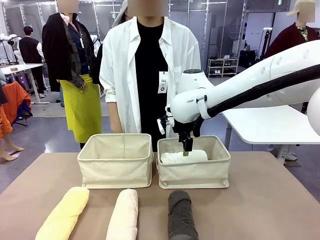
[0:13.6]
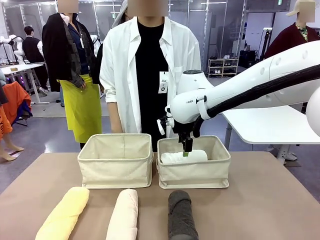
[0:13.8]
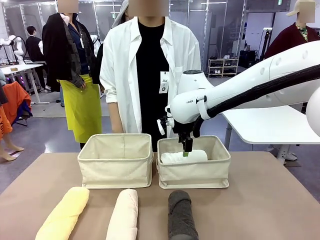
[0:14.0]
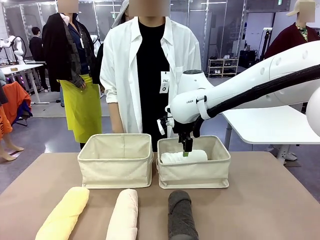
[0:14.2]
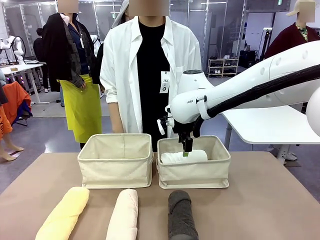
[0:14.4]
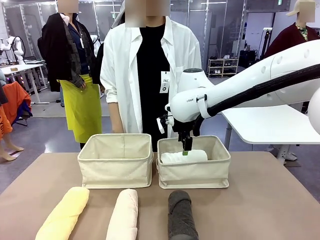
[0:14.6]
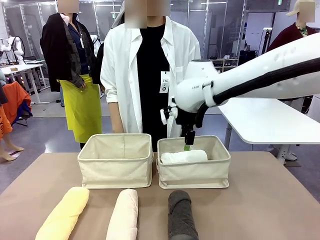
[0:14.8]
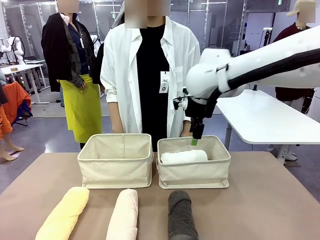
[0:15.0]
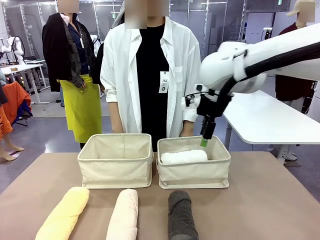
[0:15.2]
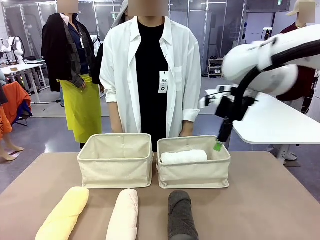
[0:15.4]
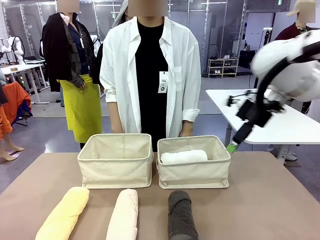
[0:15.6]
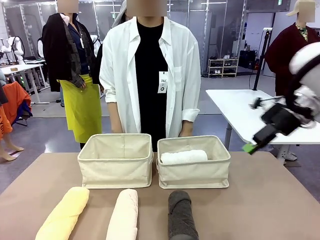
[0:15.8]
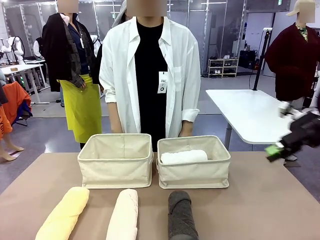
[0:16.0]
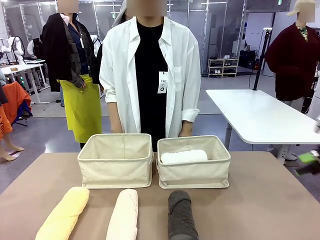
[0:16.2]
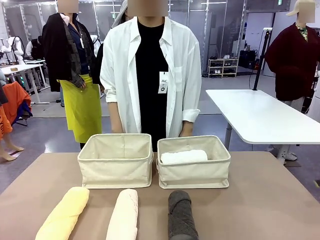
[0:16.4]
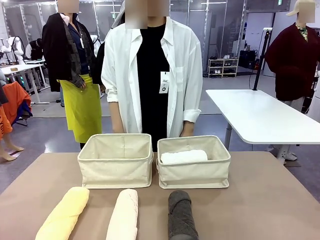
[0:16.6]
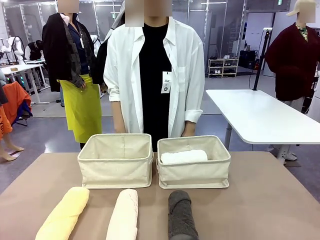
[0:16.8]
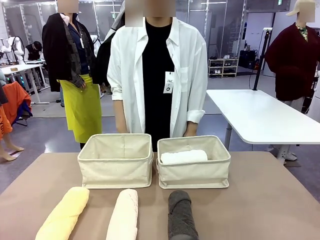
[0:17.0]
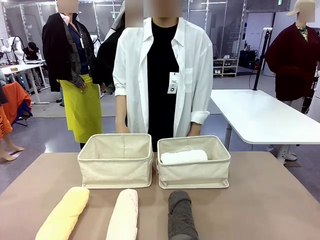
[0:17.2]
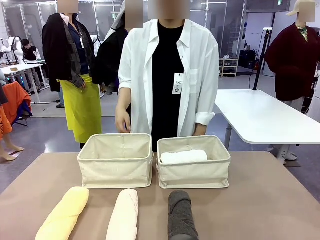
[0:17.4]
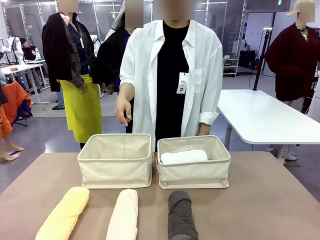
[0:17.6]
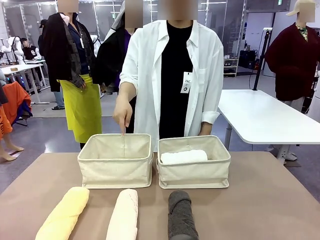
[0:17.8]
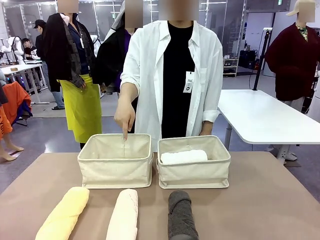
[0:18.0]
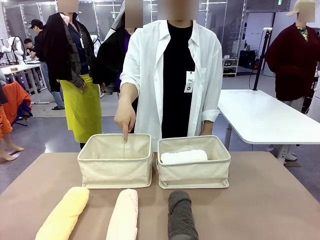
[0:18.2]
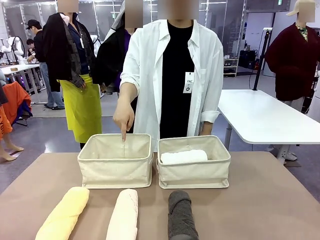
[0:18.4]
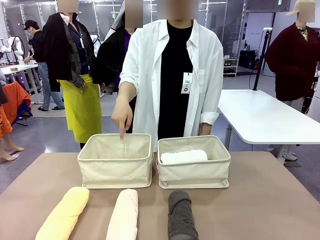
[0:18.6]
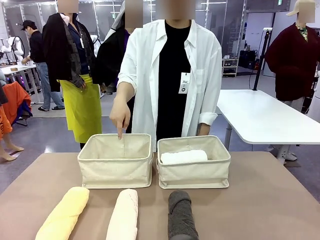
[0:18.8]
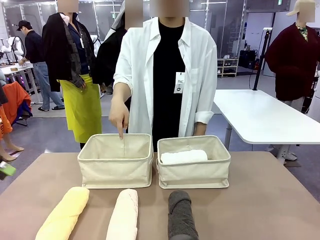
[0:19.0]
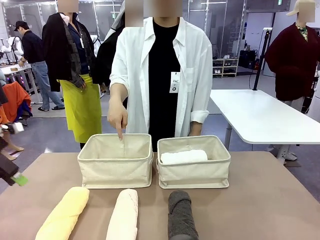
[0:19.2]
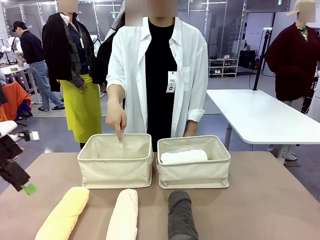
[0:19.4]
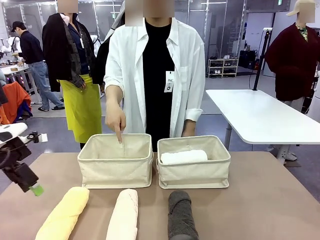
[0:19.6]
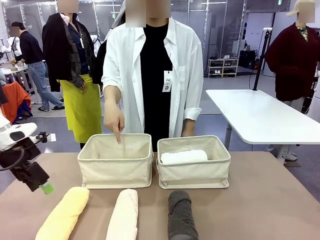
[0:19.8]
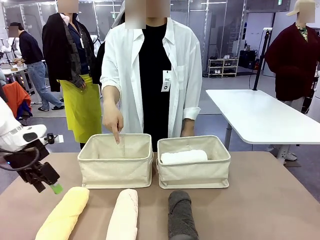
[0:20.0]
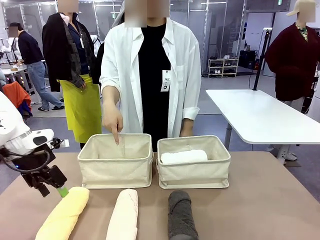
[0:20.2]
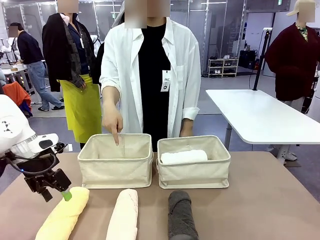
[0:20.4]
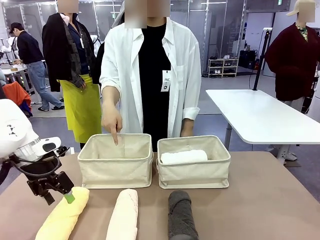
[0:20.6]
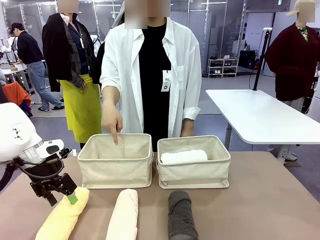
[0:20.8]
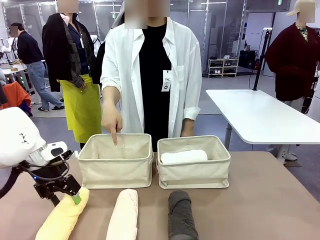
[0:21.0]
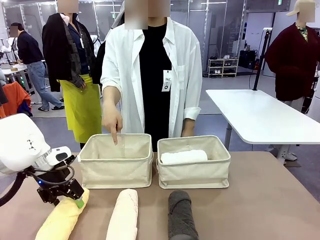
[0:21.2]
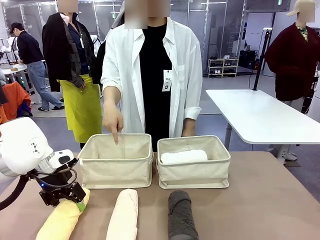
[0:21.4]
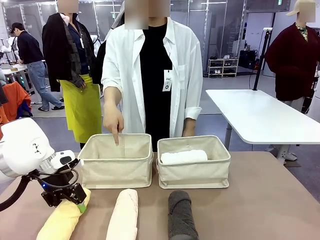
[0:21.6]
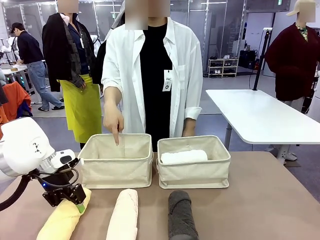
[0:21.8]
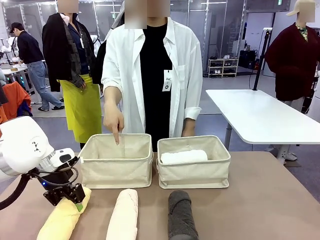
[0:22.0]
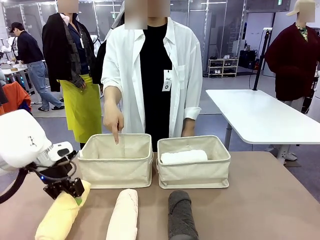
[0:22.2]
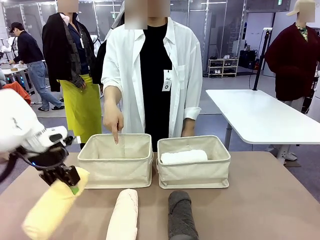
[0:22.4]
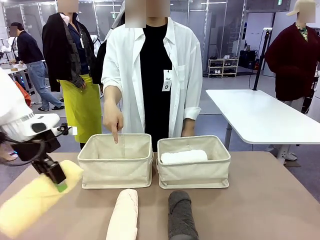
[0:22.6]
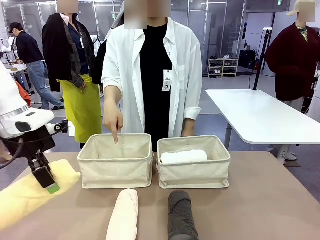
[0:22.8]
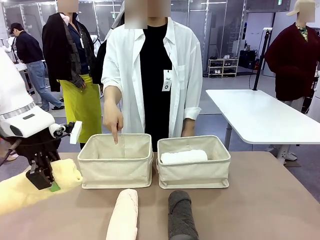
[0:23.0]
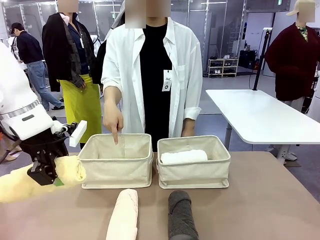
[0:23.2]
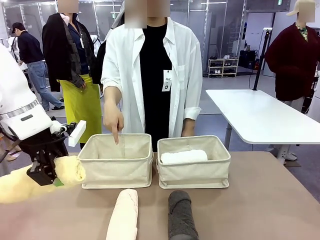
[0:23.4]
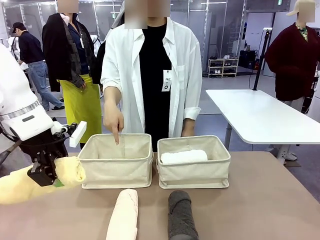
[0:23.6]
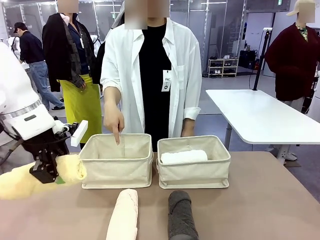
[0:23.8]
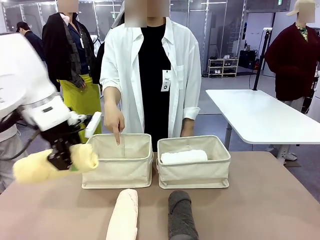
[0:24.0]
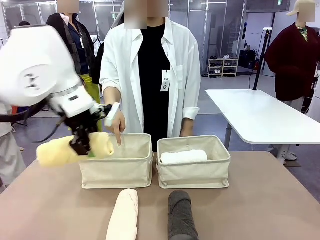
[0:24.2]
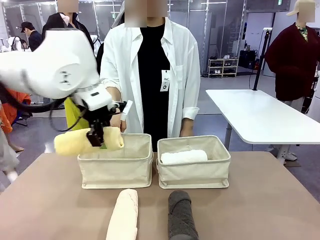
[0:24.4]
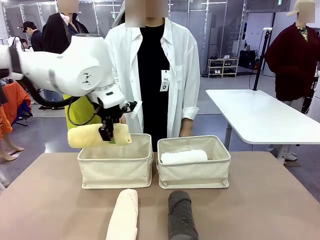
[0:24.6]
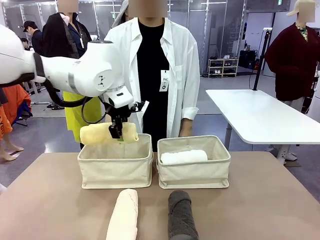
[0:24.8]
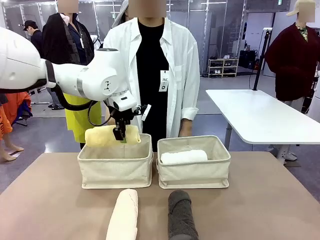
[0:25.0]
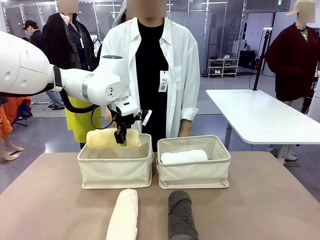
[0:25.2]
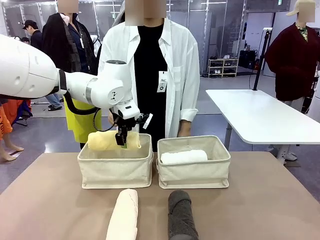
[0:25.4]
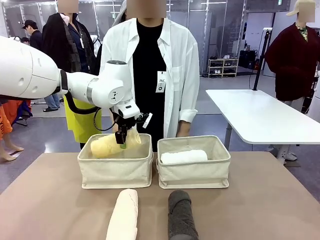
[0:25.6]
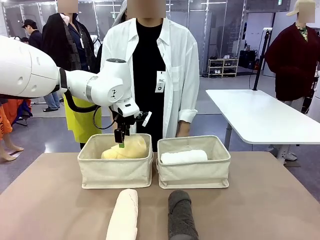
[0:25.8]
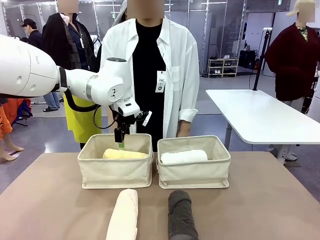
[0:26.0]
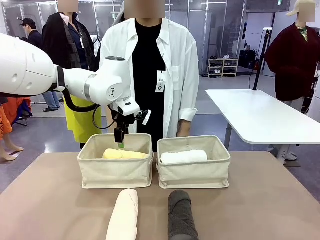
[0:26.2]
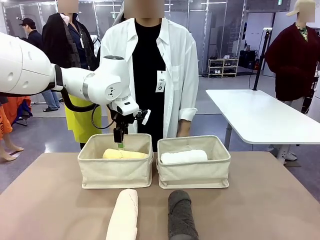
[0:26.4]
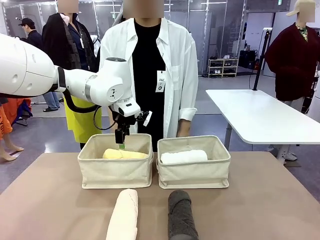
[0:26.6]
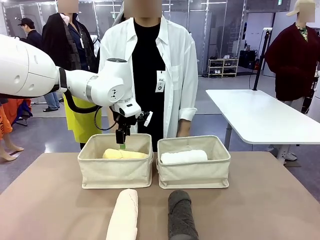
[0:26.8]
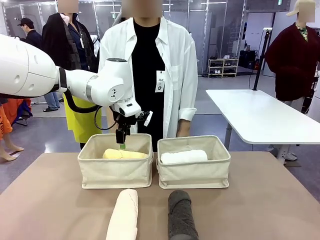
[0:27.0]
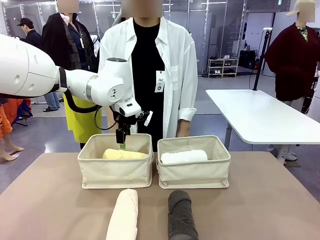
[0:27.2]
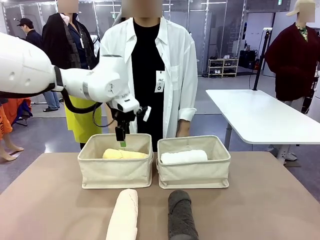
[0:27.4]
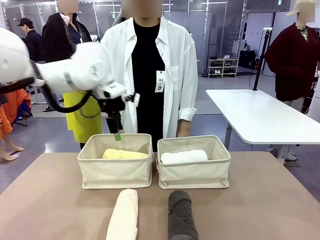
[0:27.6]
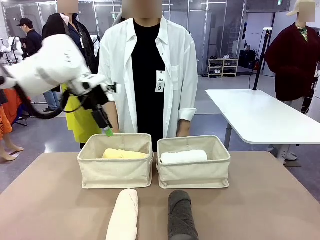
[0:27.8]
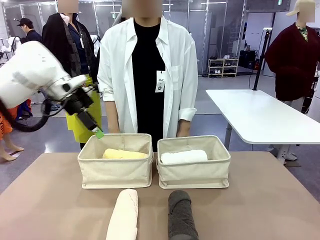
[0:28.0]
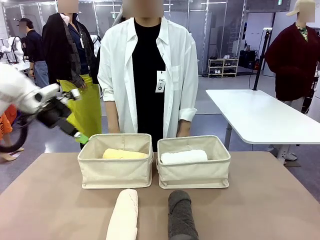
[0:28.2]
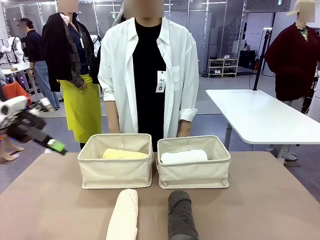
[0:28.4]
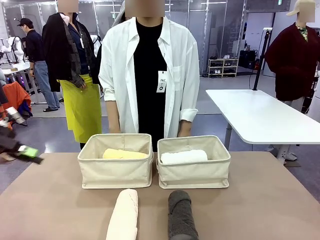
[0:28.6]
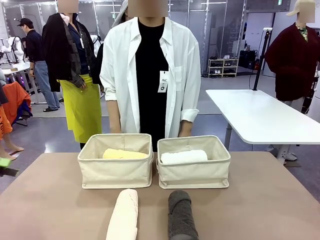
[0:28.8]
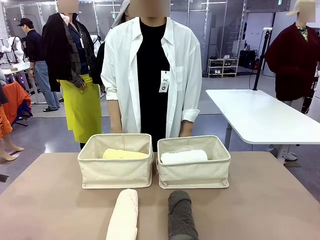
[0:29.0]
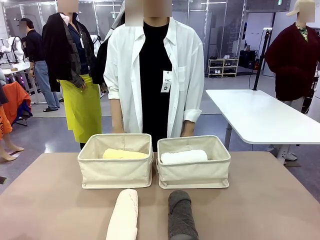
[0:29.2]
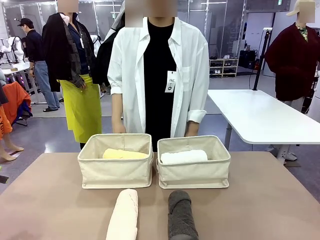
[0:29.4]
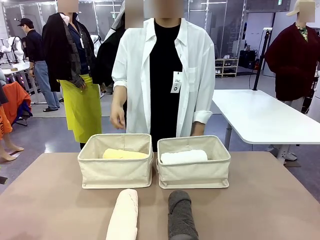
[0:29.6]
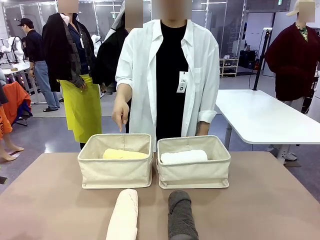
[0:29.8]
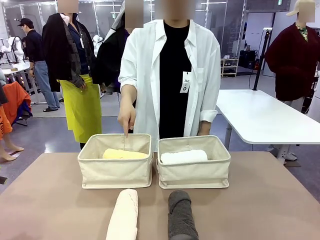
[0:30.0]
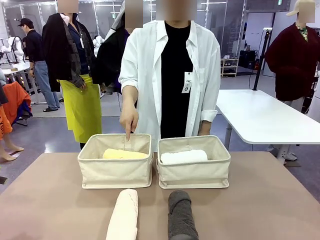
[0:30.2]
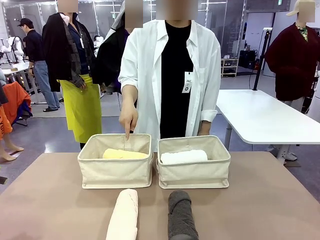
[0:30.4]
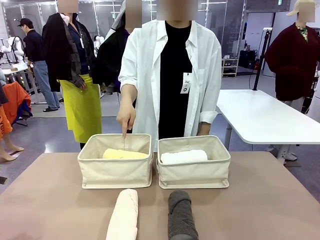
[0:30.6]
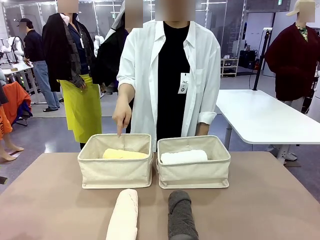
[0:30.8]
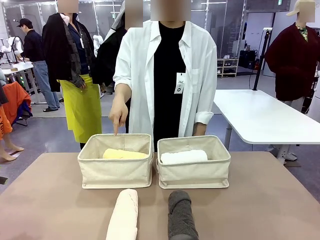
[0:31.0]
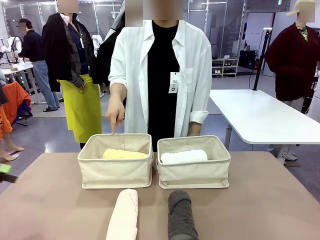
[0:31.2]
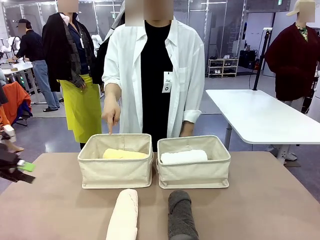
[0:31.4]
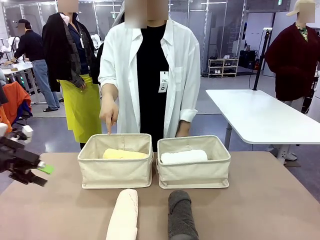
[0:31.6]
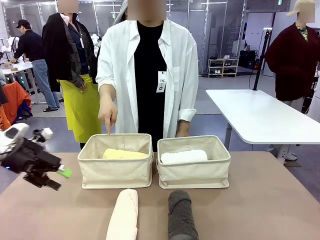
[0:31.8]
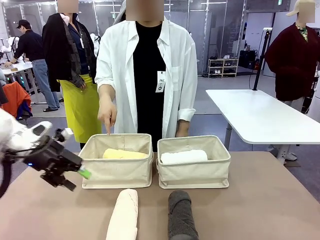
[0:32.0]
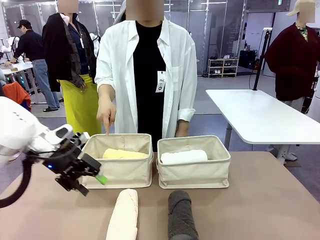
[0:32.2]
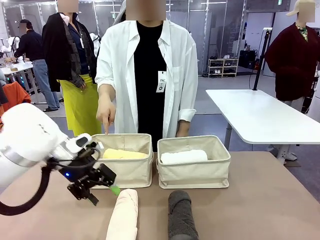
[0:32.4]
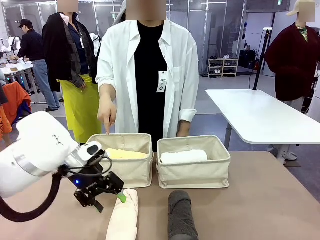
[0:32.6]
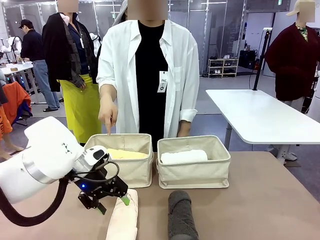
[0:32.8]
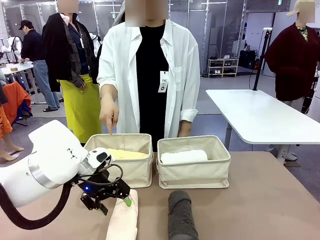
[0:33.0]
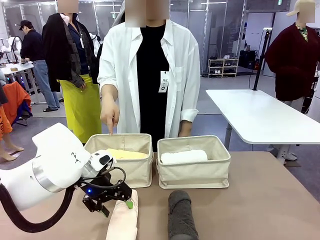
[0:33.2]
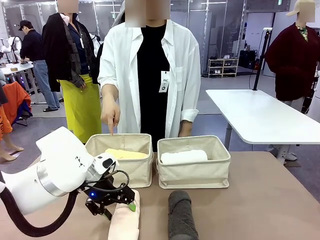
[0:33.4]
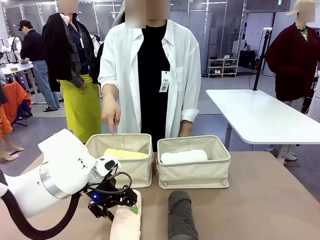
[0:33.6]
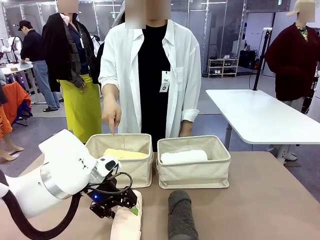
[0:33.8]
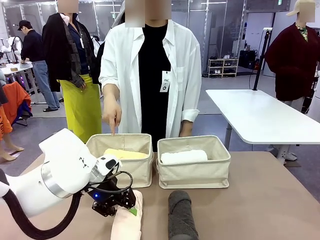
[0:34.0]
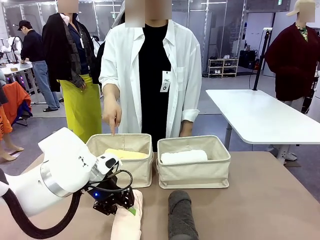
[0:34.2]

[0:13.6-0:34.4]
Task: Divide the towels into two baskets.
Robot: Pick up one hotel-folded towel from the bottom of the table and place it in the Fabric basket indicated by the person.
